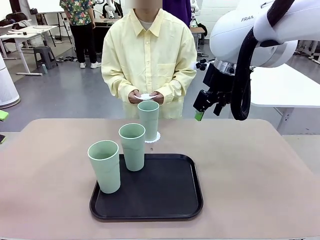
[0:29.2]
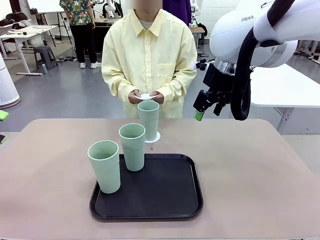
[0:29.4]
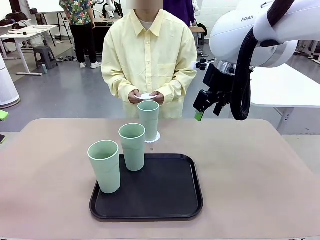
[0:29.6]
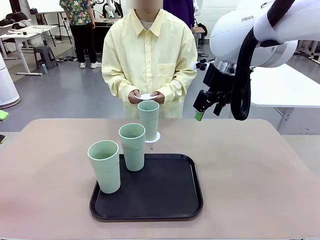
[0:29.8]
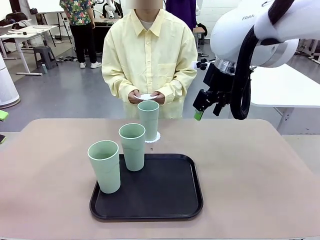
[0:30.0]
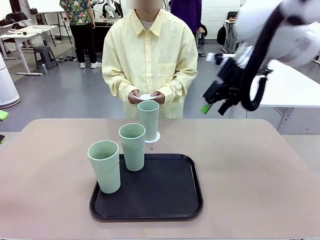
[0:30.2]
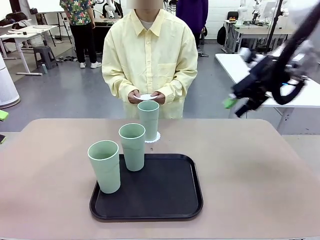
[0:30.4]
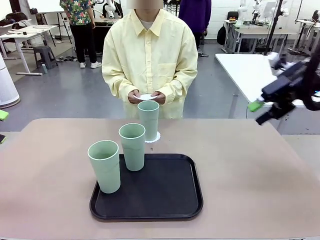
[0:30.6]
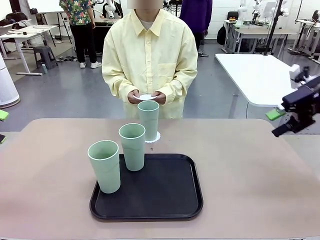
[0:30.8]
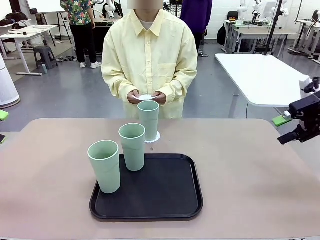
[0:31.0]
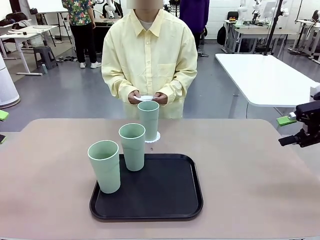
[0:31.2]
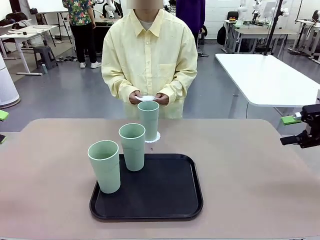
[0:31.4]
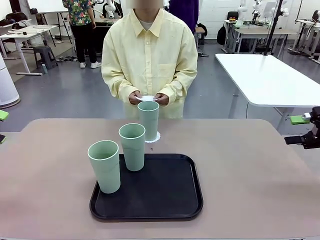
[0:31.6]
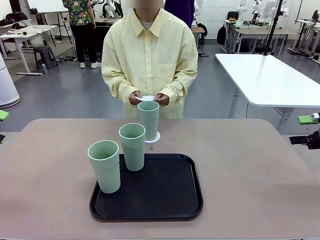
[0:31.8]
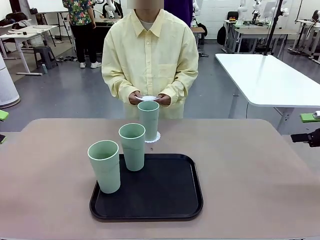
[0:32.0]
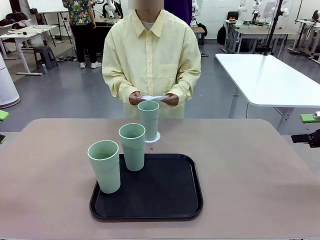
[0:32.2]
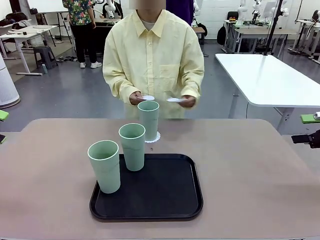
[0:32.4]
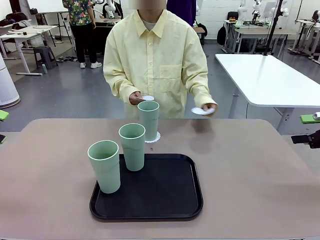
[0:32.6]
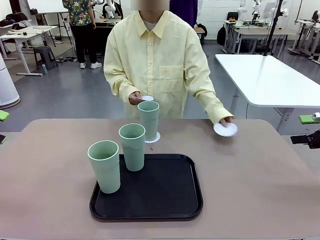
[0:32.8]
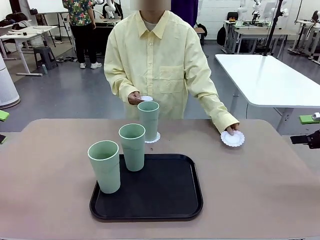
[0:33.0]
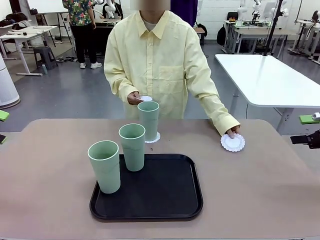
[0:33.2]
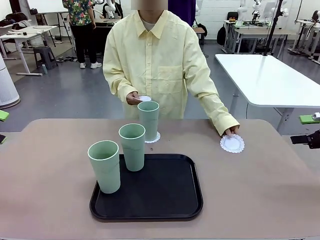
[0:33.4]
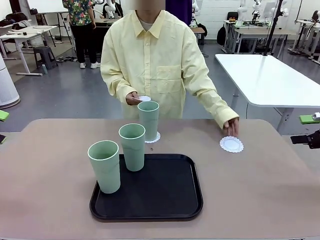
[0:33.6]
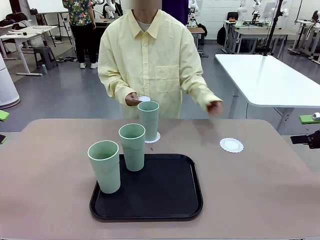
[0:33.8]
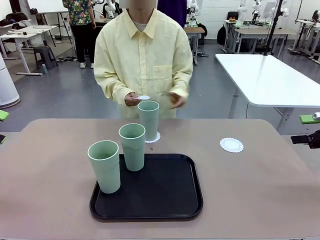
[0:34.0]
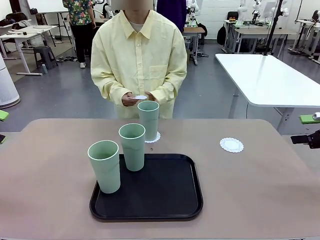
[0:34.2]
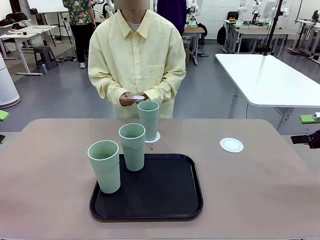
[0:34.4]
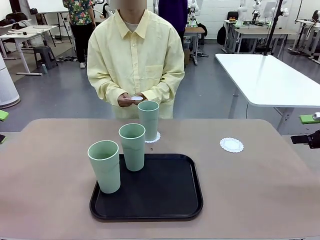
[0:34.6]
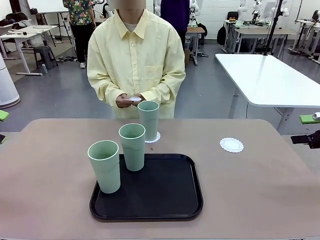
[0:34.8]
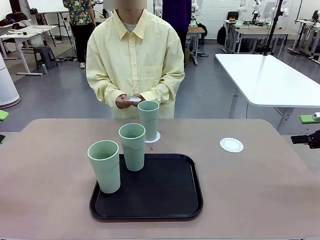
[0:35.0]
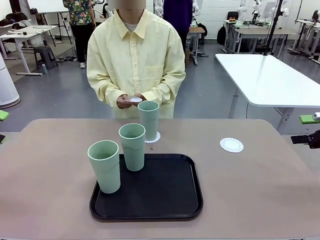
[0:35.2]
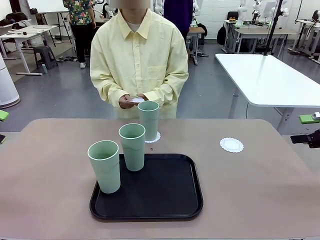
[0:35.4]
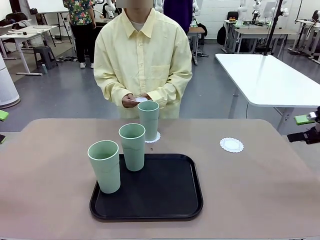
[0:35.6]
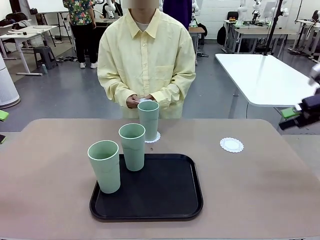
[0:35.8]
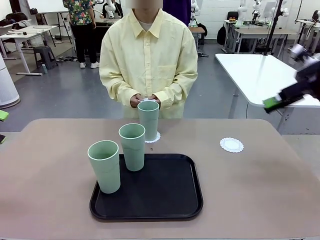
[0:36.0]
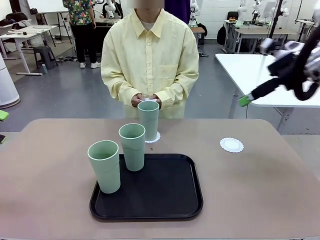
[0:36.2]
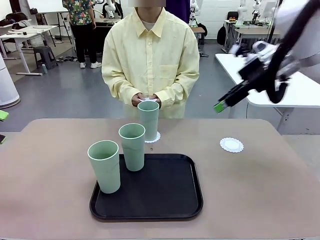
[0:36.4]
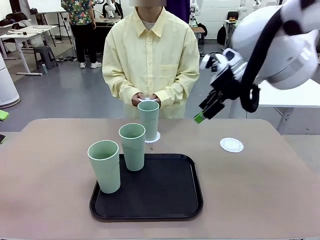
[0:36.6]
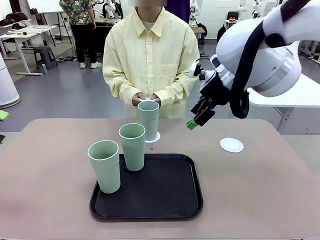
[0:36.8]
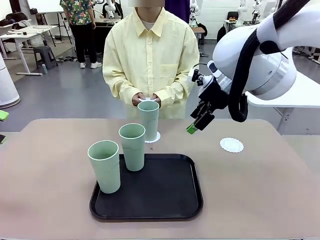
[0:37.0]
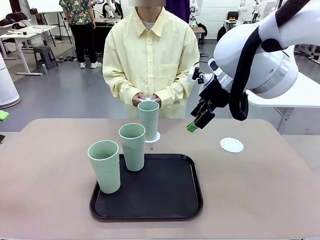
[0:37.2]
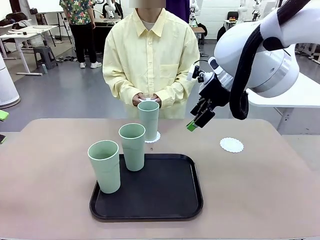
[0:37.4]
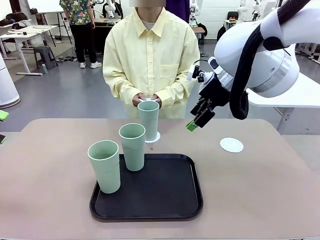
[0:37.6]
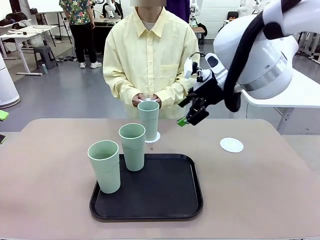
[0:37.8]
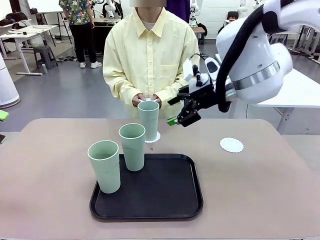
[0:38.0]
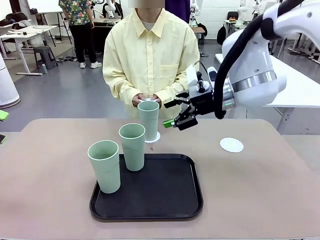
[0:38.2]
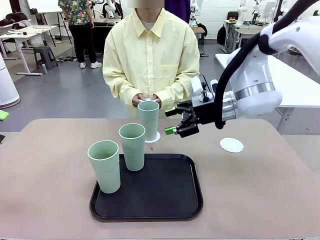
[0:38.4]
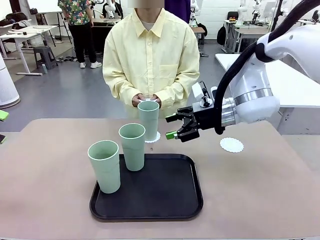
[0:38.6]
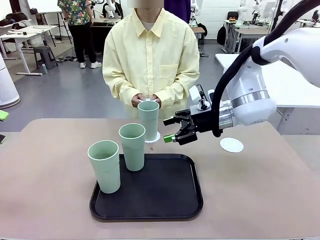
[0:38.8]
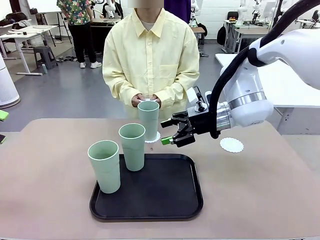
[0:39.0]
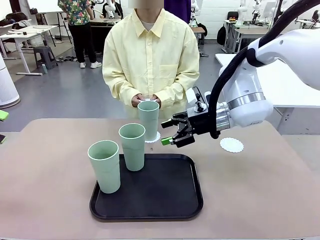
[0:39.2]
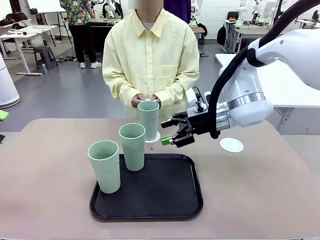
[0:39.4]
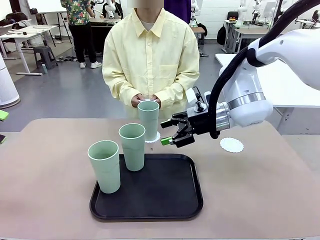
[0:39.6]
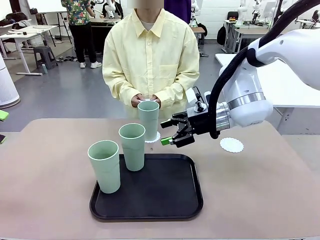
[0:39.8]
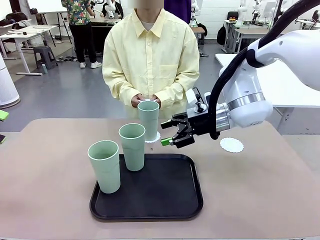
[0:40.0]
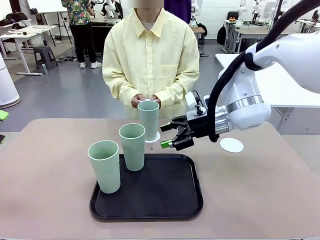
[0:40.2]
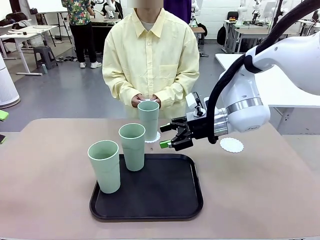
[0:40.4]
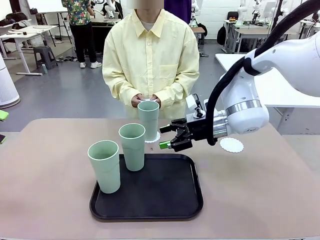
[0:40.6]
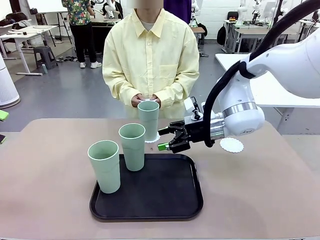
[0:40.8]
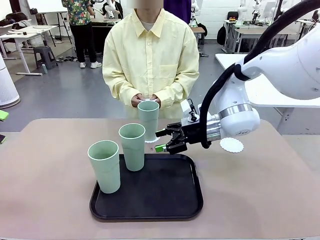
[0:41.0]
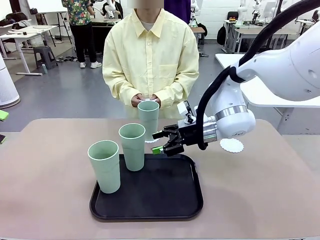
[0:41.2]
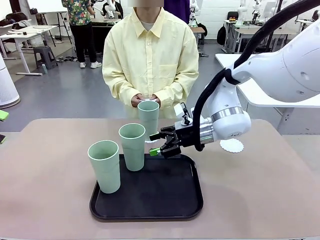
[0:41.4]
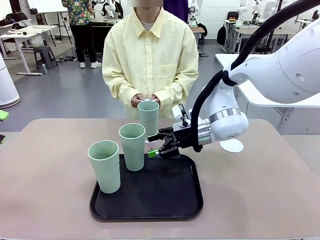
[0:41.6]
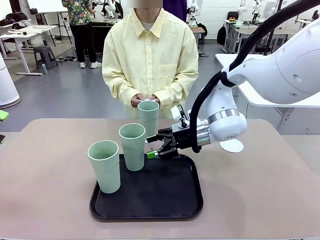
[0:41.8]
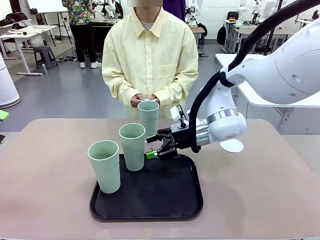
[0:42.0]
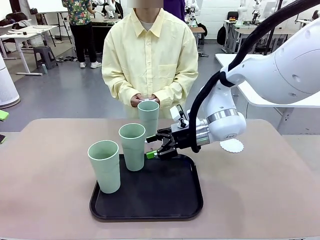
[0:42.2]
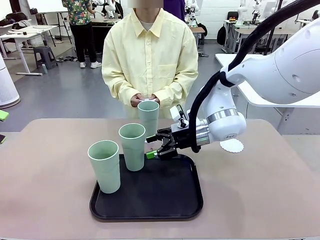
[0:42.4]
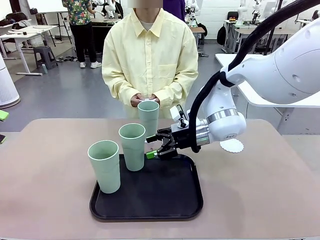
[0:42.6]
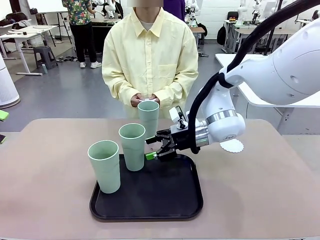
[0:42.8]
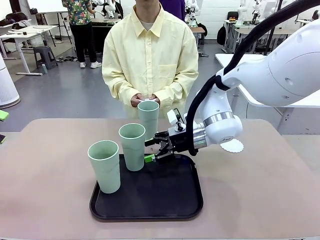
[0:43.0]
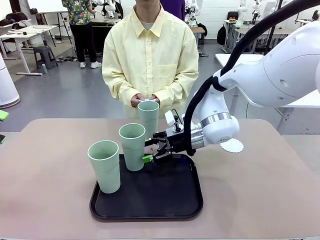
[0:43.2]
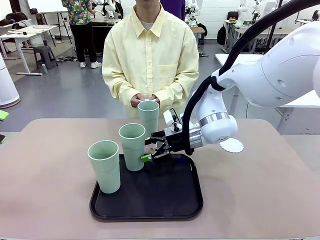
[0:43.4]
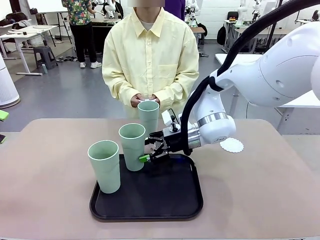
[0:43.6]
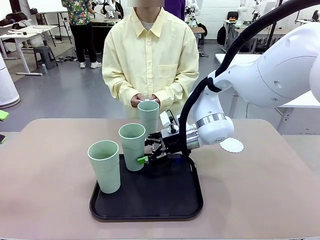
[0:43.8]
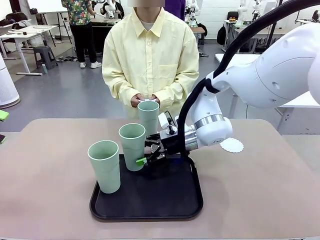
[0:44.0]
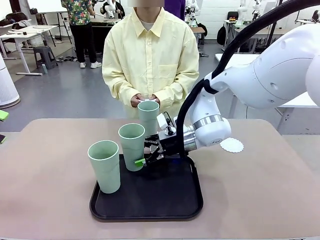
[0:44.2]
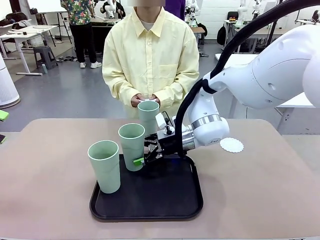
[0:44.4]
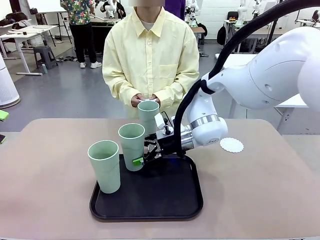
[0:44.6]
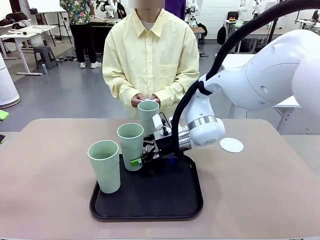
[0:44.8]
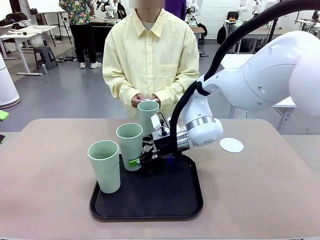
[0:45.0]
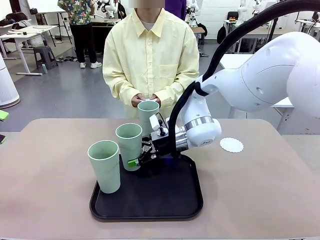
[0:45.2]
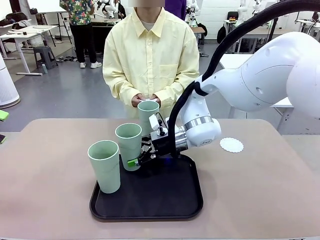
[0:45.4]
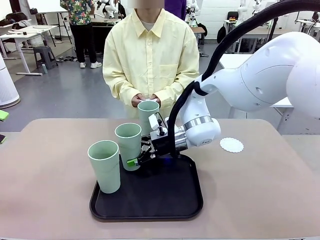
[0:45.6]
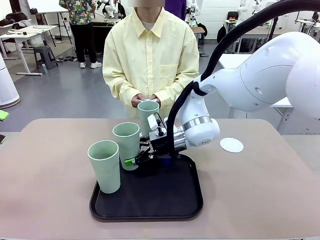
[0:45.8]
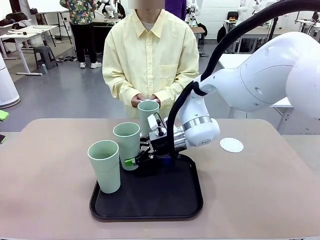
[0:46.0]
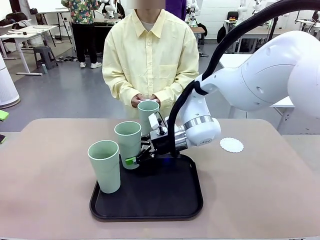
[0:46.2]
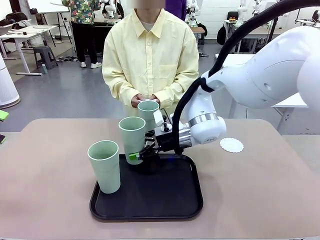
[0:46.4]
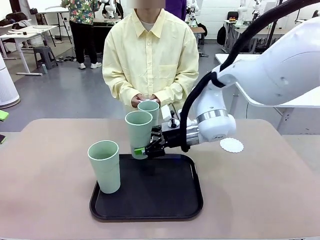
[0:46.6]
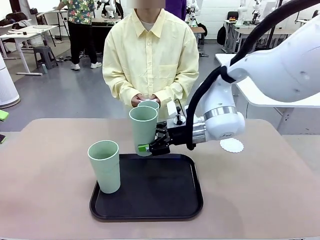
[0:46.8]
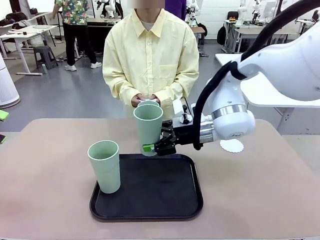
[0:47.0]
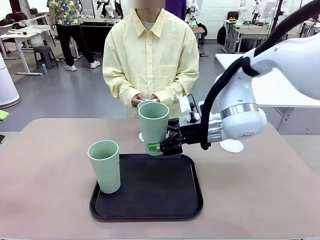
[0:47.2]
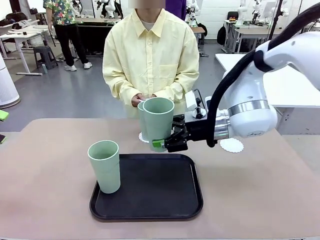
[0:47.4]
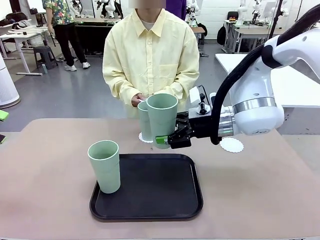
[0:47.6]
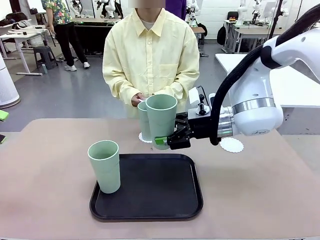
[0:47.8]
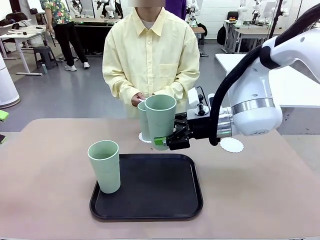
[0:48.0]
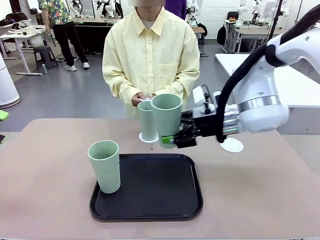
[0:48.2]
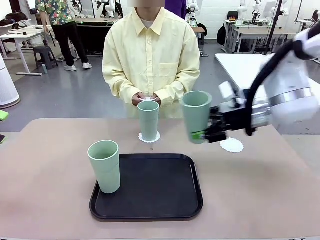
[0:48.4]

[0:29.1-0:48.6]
Task: Place coasters on the table and set cups on them.
Robot: Take one Reusable plastic cup from the Flat Tray and place it on a coaster set by the human.
